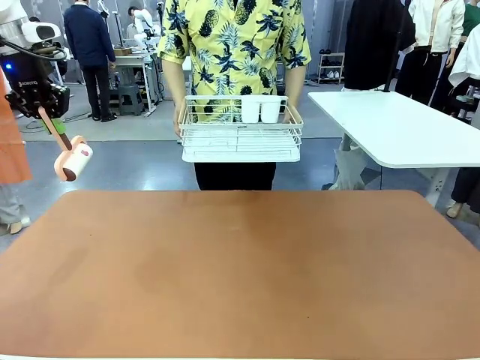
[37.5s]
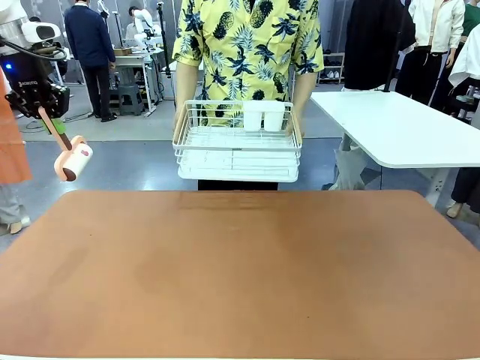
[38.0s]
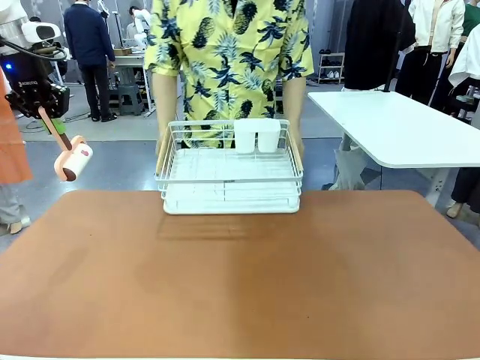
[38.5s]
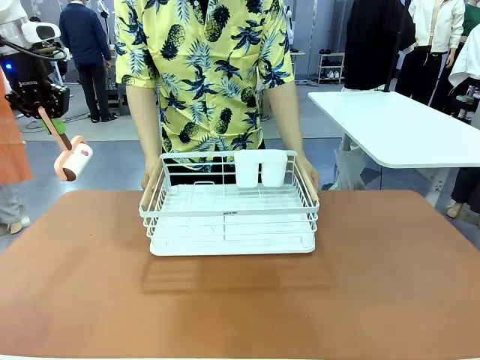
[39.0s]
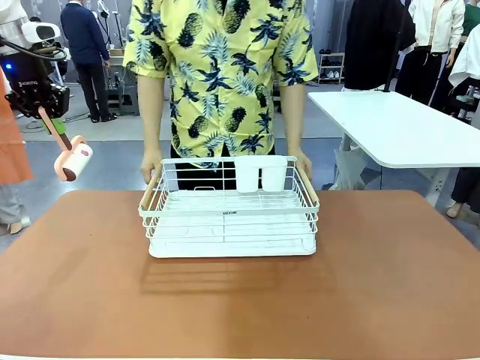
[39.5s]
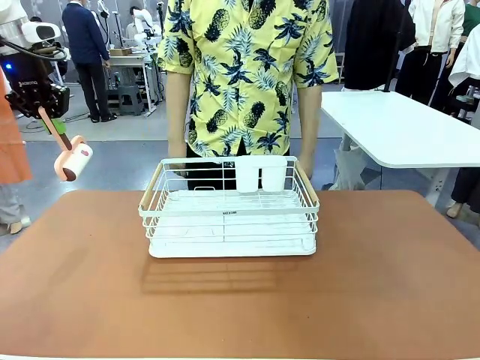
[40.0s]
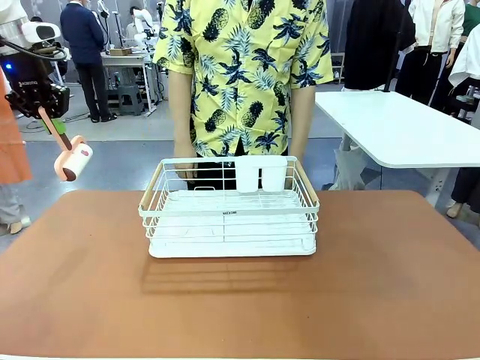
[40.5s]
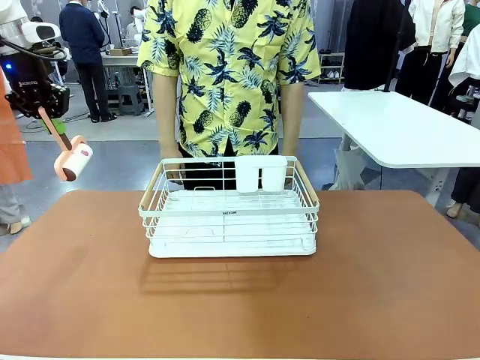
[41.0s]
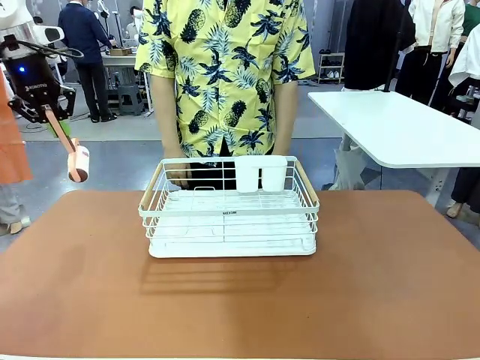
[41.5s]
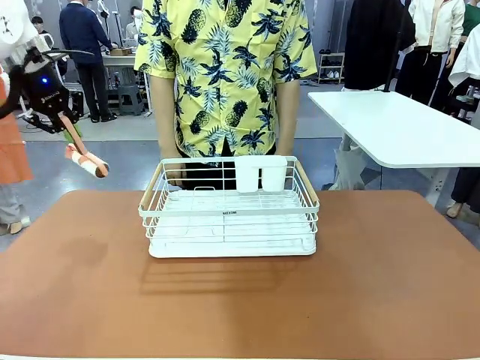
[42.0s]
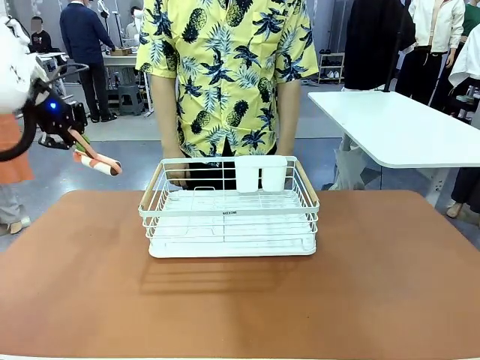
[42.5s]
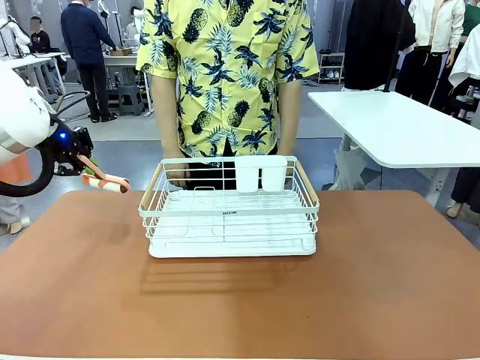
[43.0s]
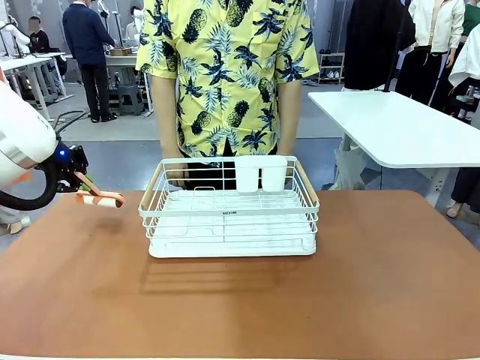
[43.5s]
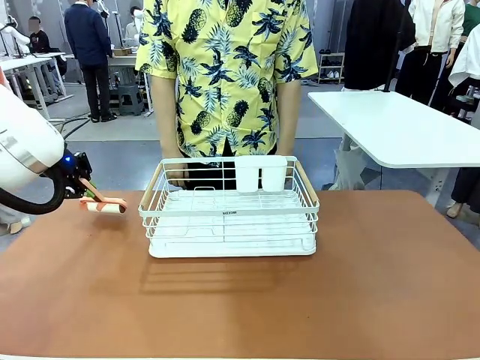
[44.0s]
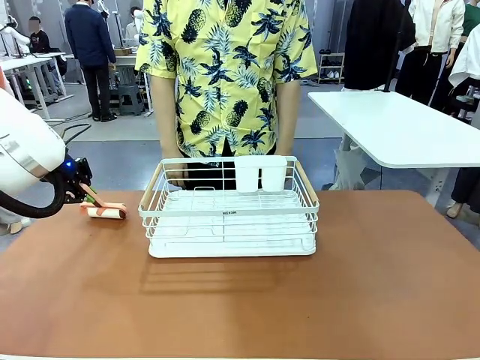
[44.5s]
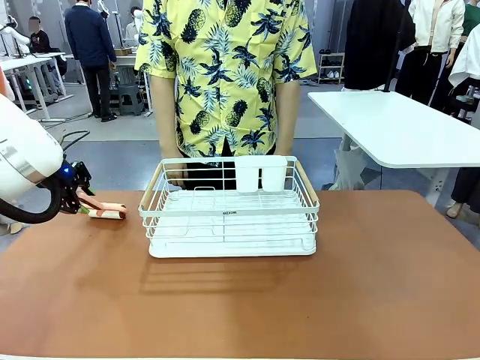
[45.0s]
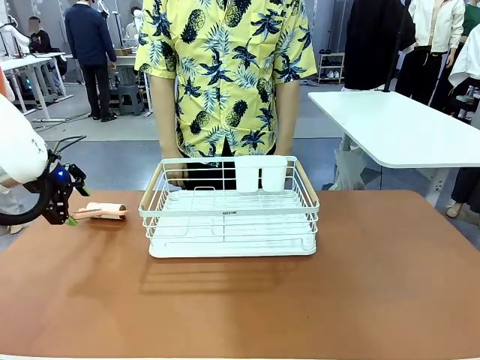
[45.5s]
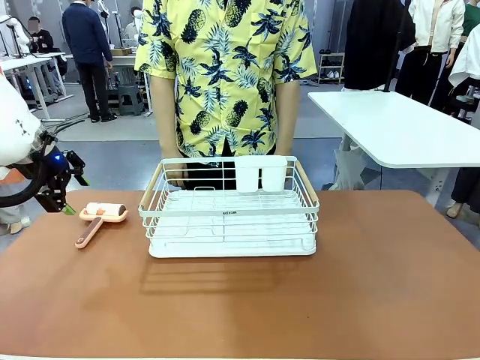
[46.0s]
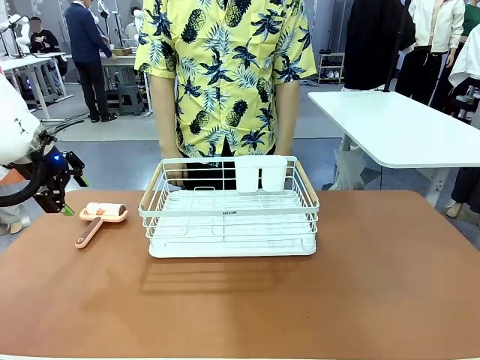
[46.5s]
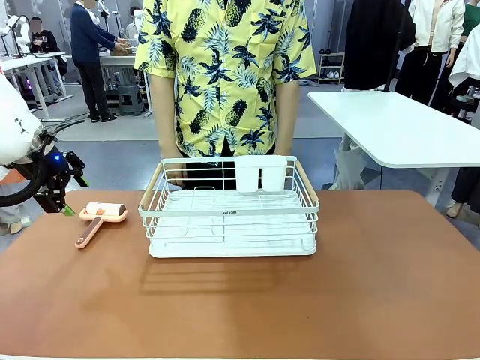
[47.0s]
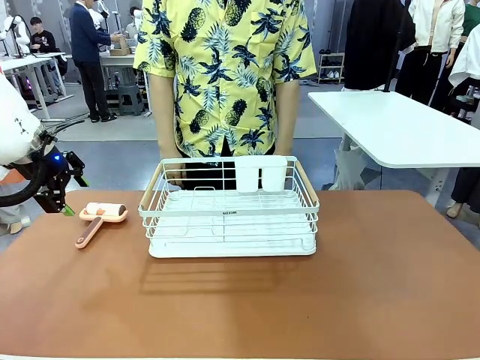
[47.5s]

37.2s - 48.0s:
Task: Clean the table.
Robot: Place the Lint Roller down when the Dish drying rack is positioned in the middle of the table.

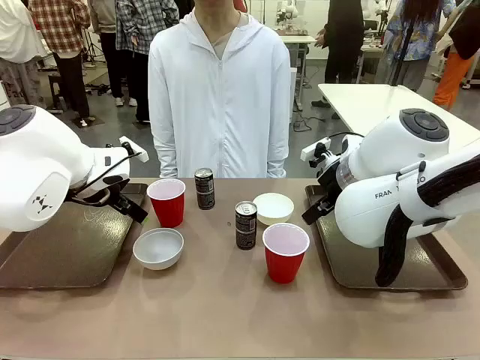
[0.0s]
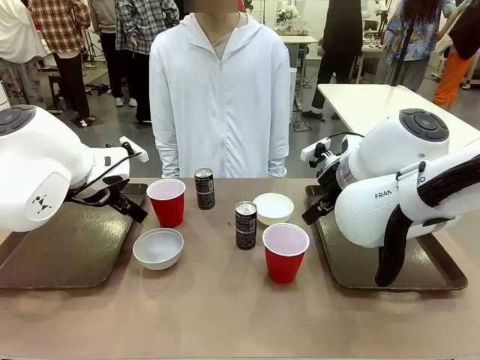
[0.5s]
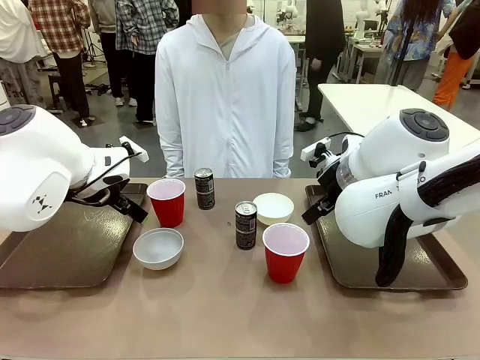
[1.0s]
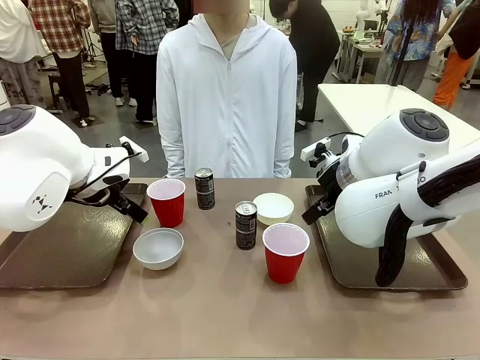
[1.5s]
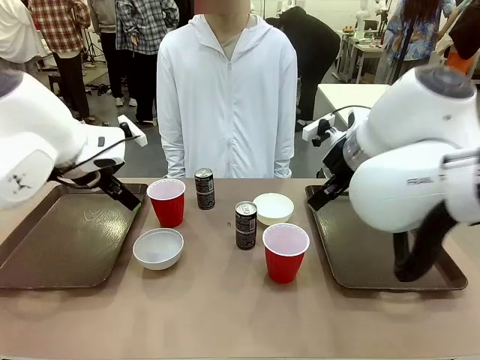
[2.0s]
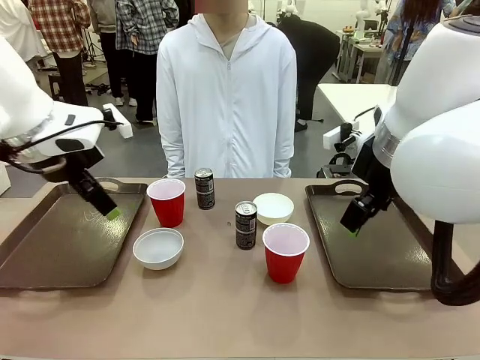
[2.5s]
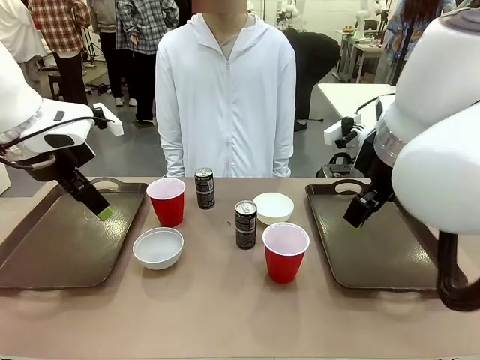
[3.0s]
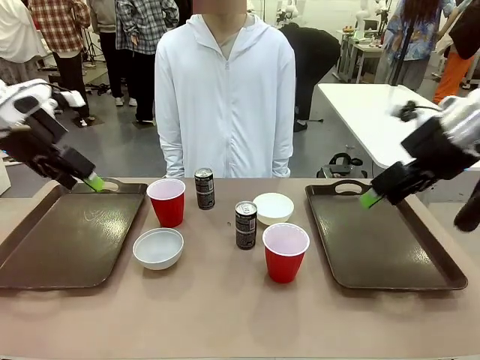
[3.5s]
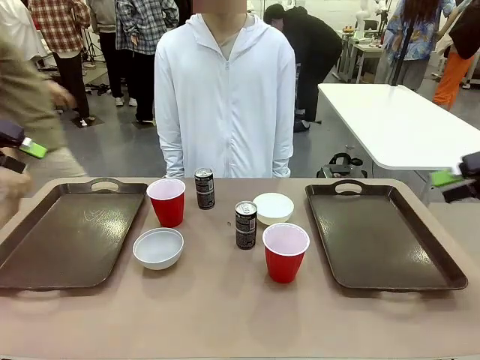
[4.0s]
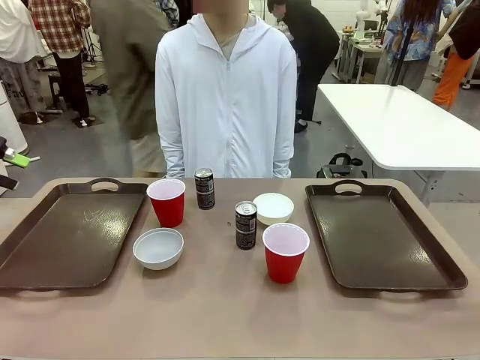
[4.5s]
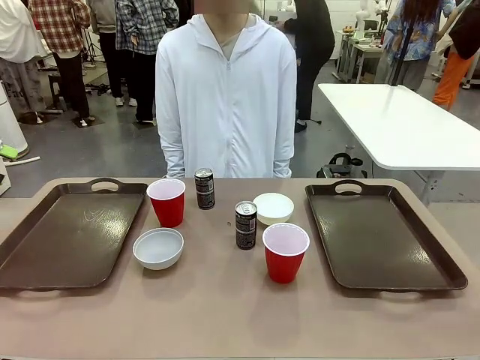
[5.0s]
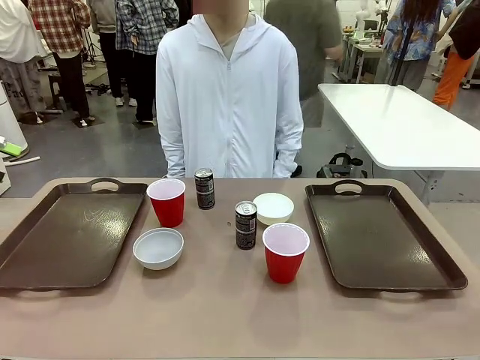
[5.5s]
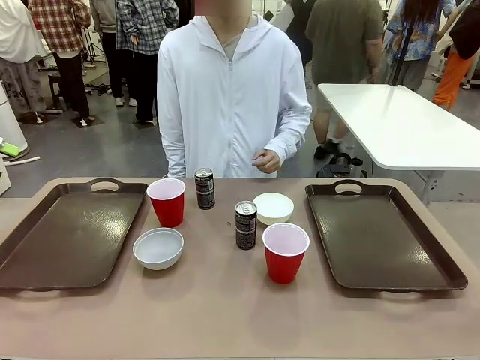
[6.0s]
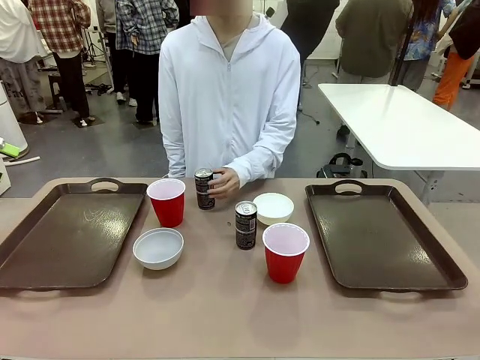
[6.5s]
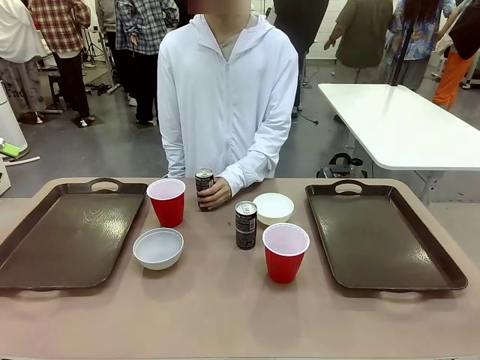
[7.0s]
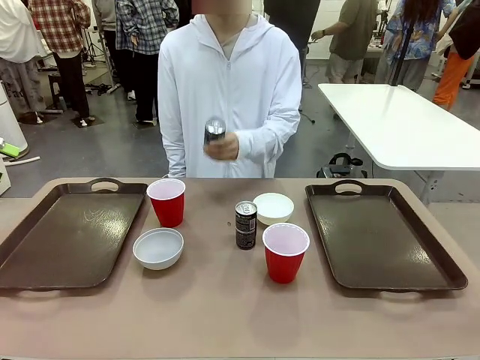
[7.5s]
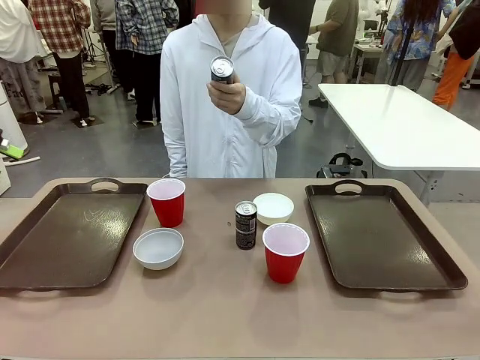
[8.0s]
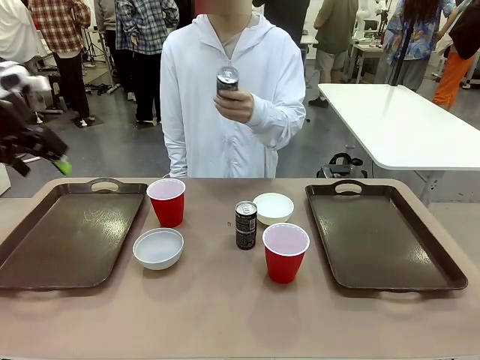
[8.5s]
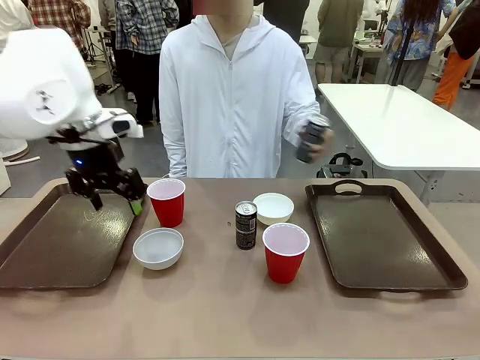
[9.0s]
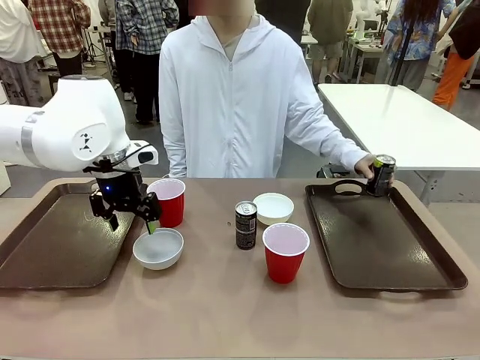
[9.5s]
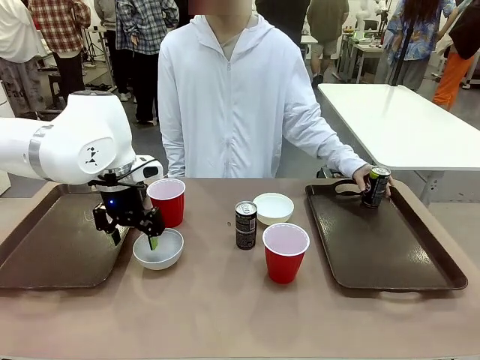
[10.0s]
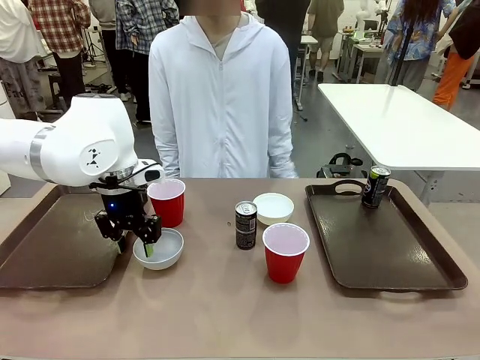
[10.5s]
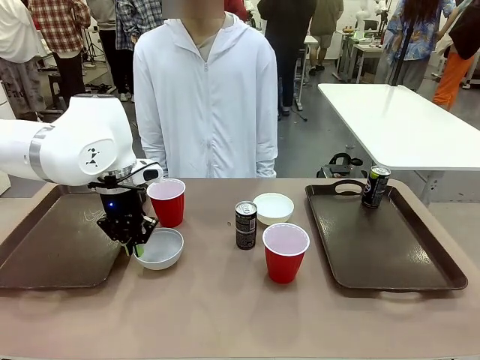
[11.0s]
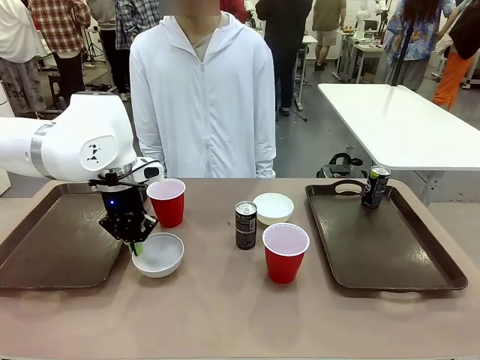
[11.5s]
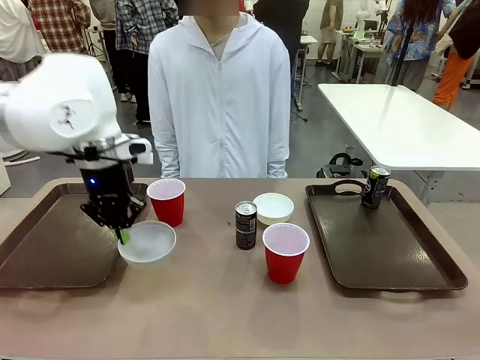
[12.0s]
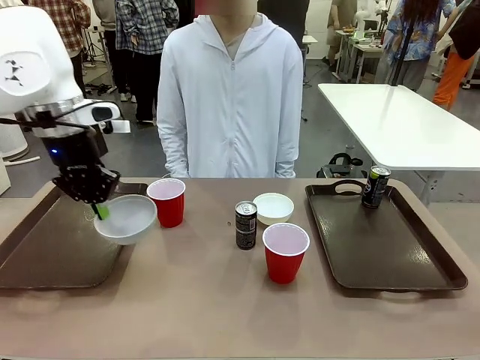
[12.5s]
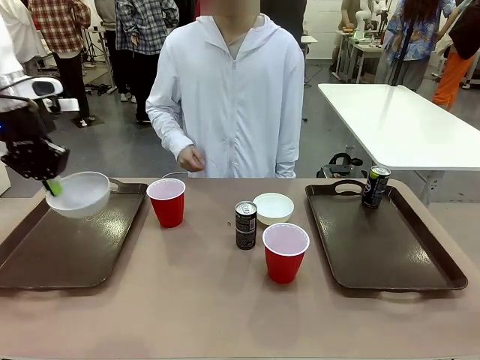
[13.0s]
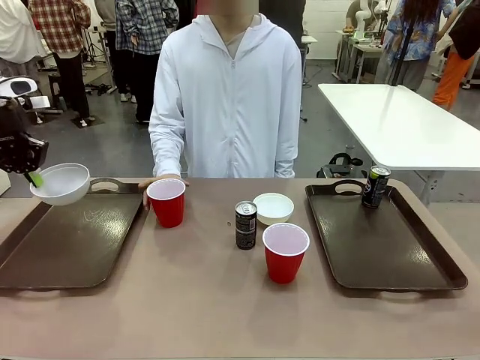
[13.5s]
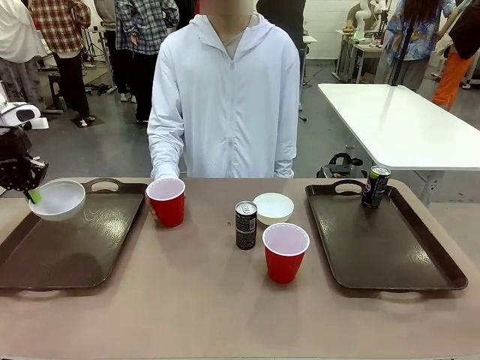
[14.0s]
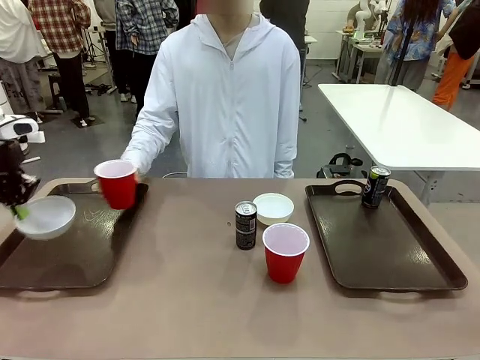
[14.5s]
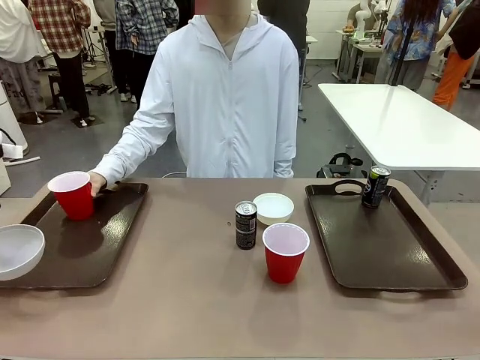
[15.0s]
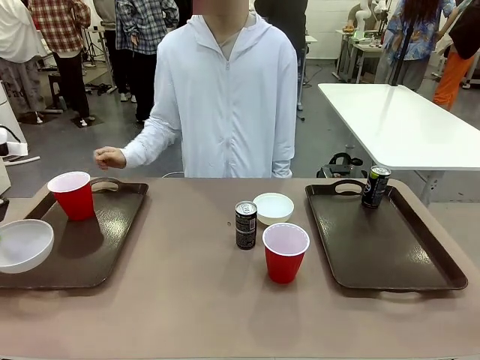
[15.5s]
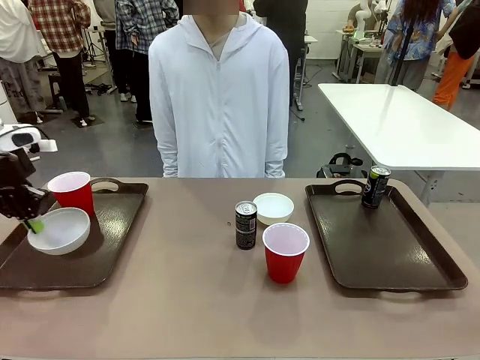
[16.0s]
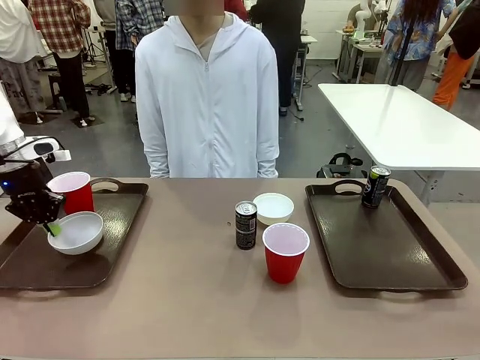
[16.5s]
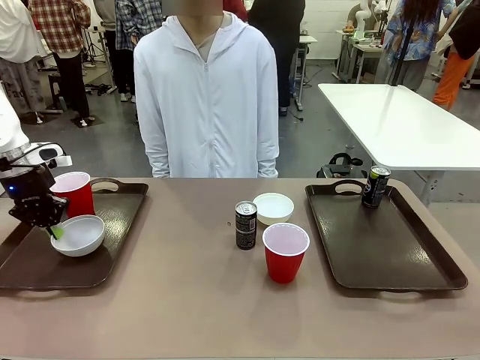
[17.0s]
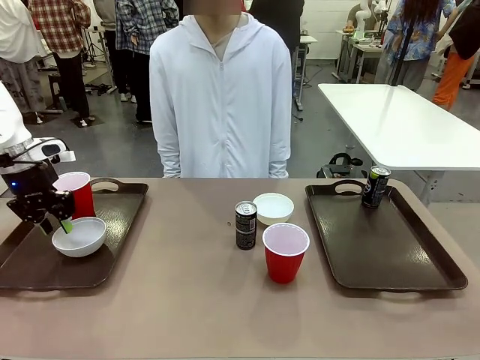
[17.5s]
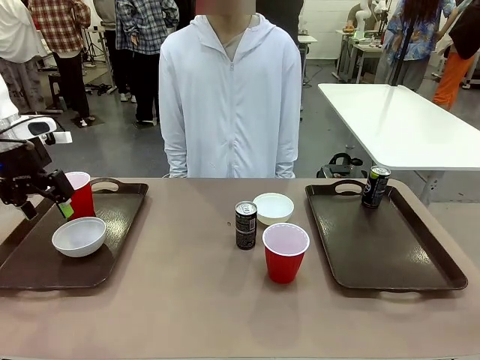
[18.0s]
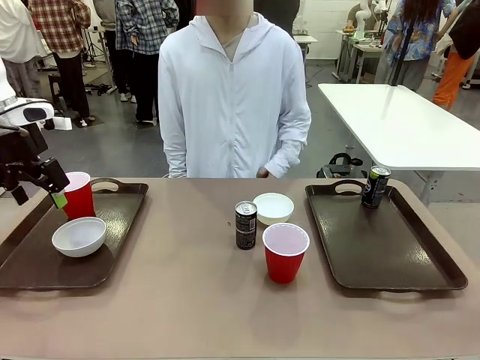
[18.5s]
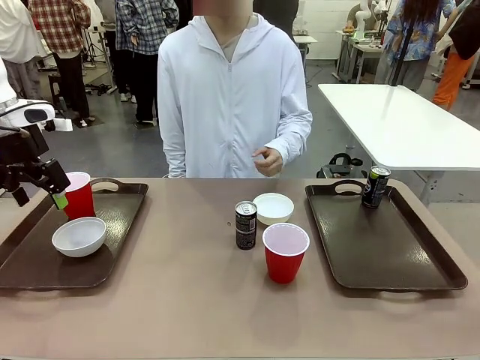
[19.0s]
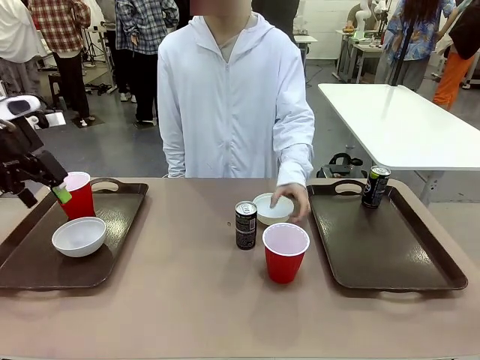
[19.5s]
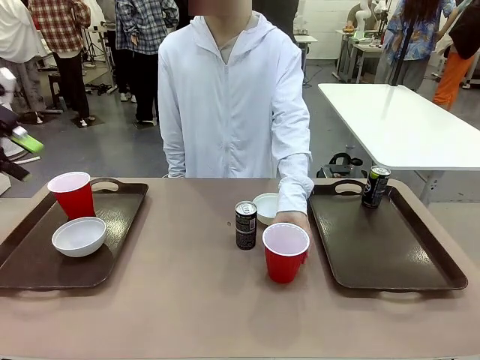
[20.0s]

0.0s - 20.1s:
Task: Prepare tableware on both trays.
Robot: Pick up a Picnic Bowl from the table and place it on a Handle tray.
Person: Pick up a can or cup and place it on the tray.
